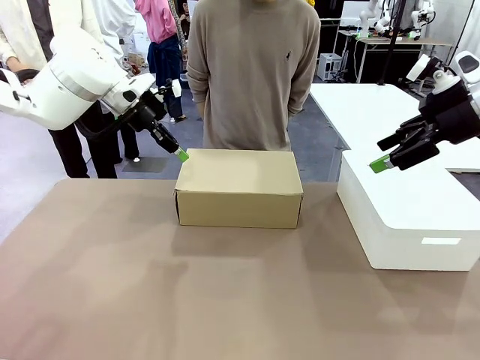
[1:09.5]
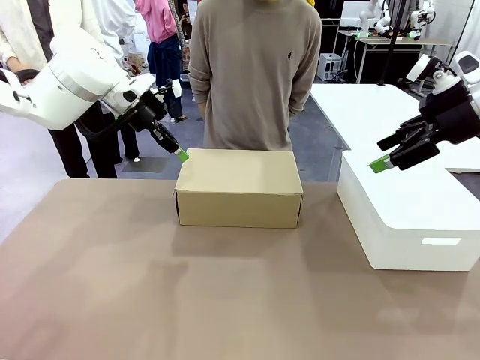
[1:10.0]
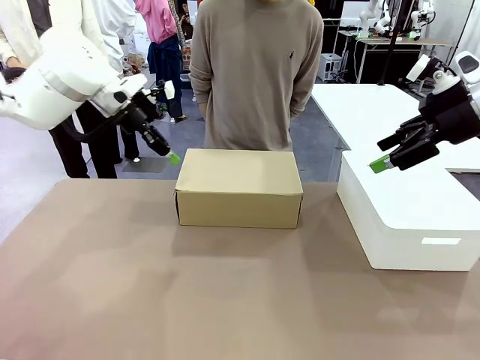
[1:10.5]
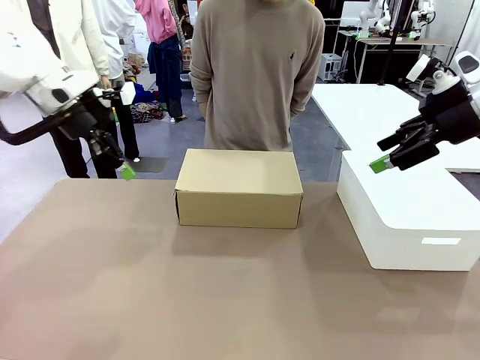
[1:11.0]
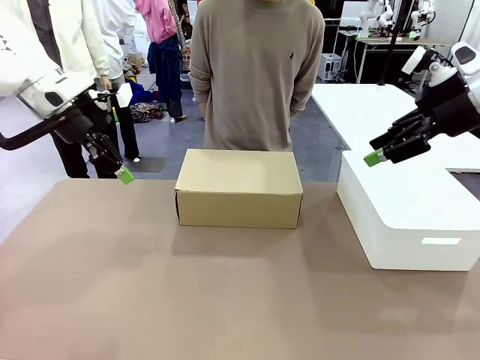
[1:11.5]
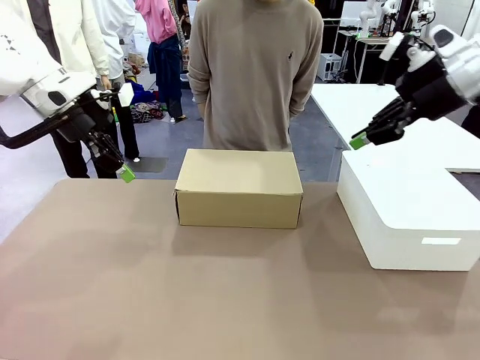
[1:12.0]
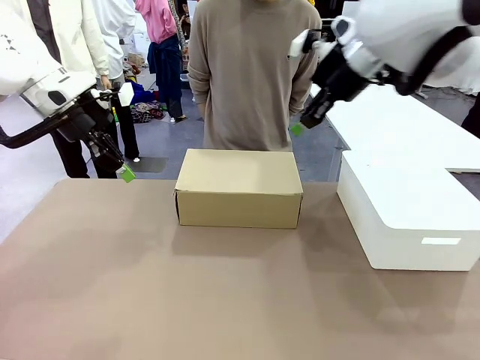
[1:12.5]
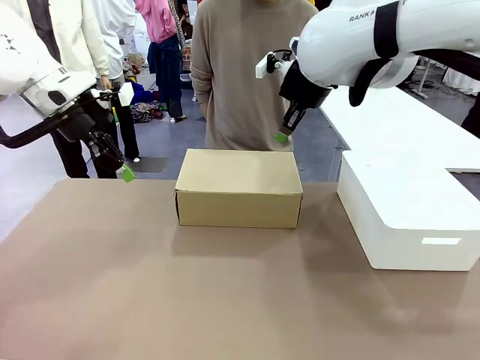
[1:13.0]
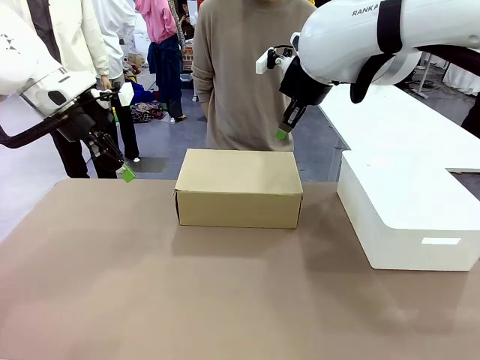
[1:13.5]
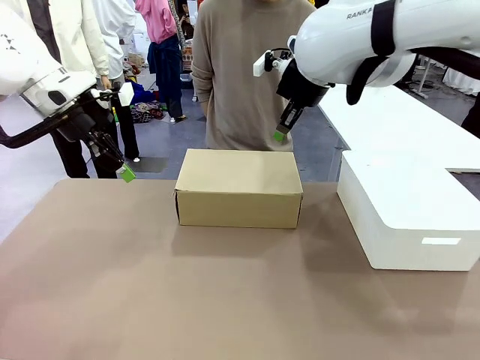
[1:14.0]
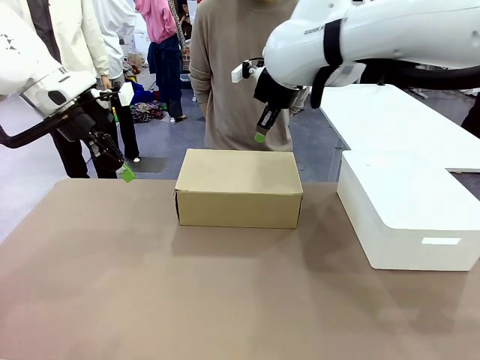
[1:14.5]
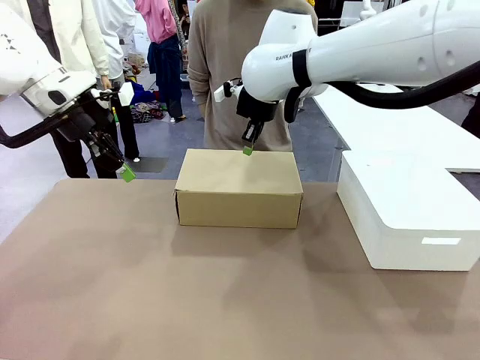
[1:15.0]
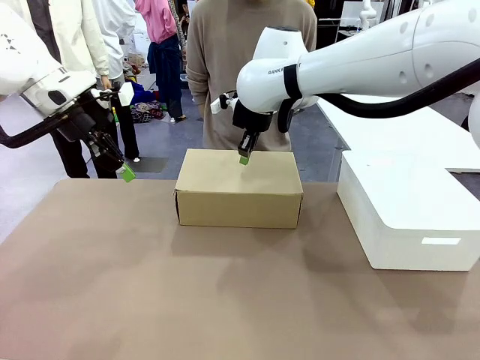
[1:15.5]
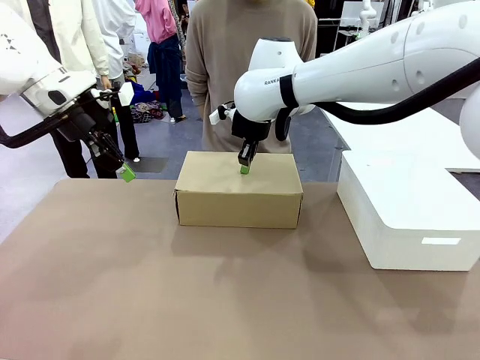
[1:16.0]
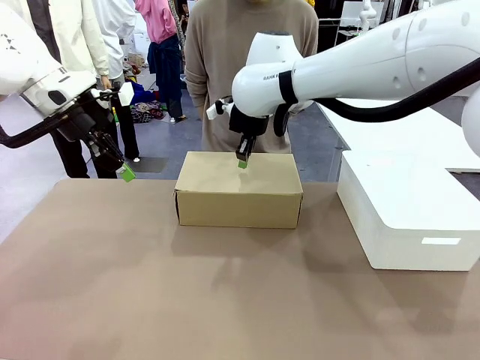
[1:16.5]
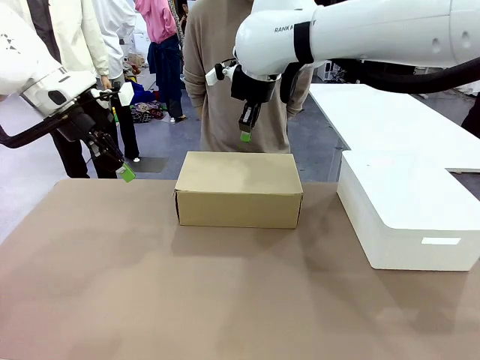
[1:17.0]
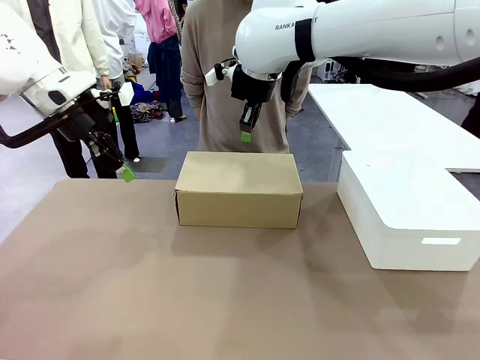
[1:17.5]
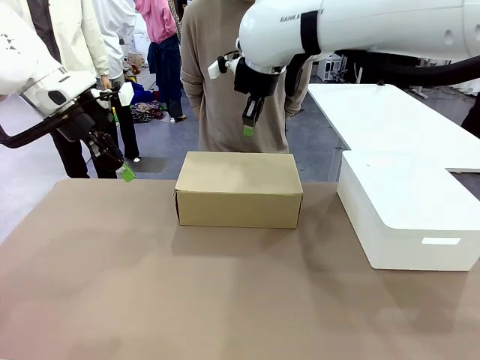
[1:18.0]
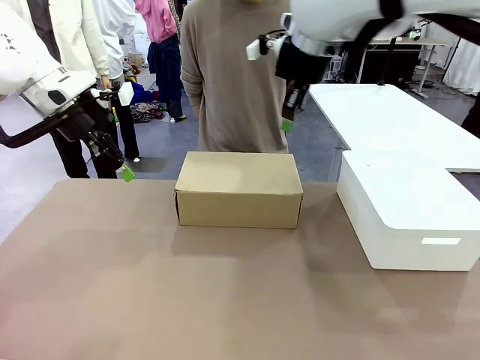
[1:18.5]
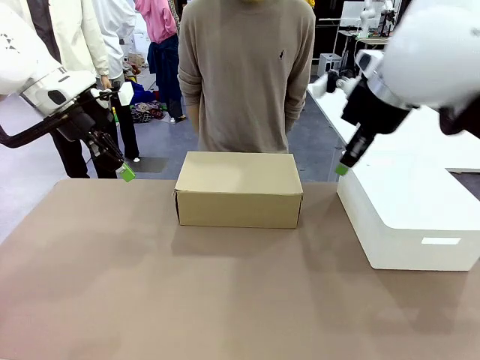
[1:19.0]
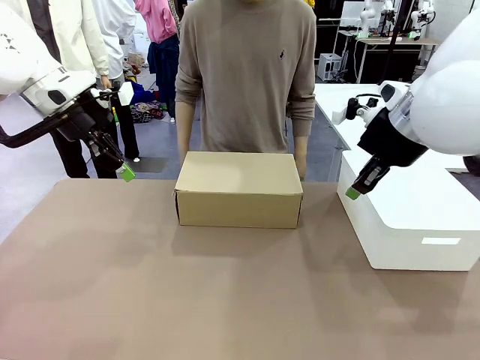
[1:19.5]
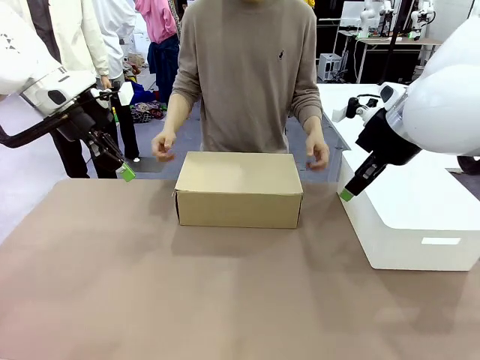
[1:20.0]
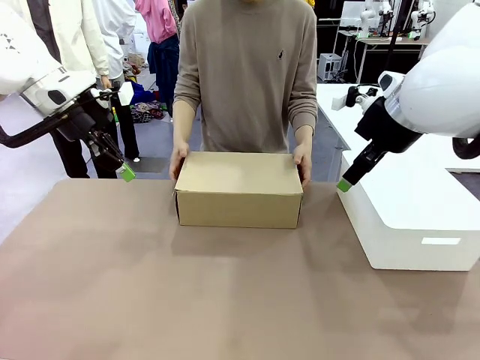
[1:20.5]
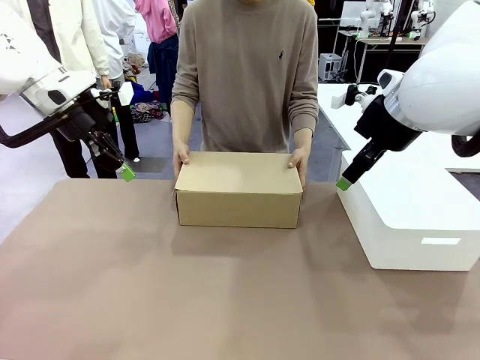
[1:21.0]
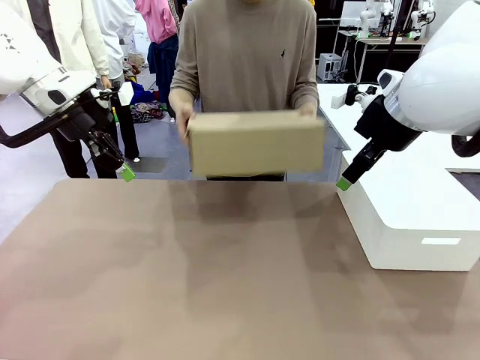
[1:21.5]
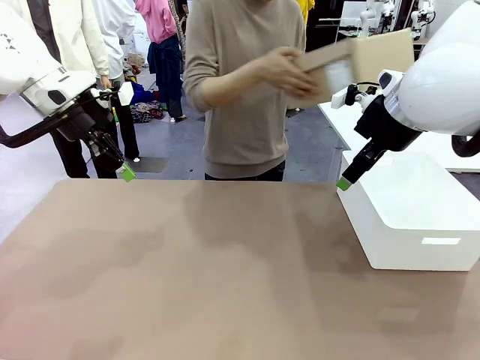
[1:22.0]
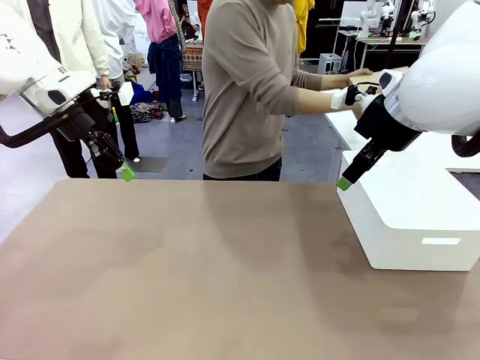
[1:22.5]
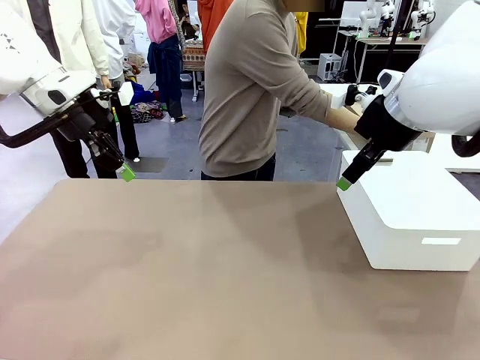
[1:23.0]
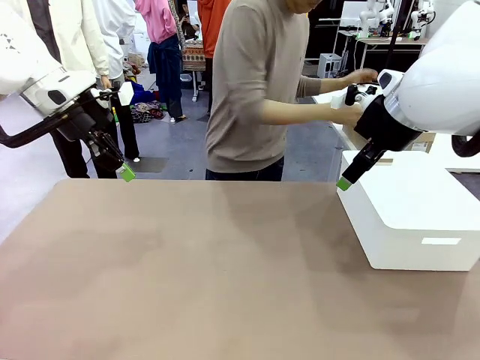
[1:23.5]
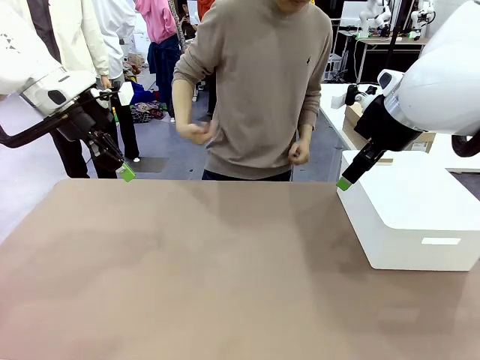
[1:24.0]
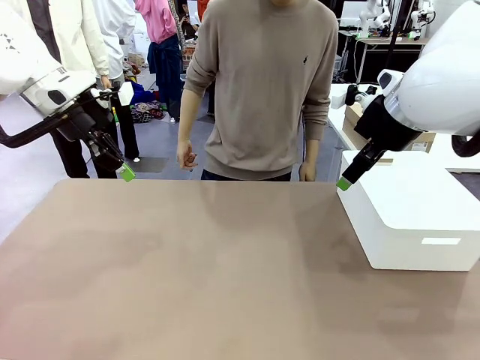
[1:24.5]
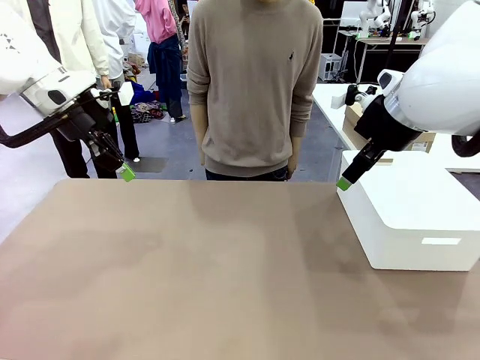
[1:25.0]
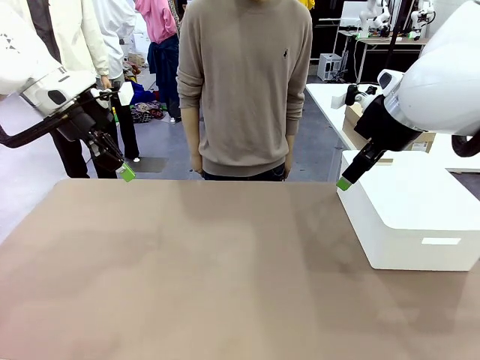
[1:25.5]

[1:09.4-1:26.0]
Task: Pack the shoes into the box.
Robot: Press down on the lid of the Shoes Box.
Person: Place the closed Shoes Box to the right side of the human table.

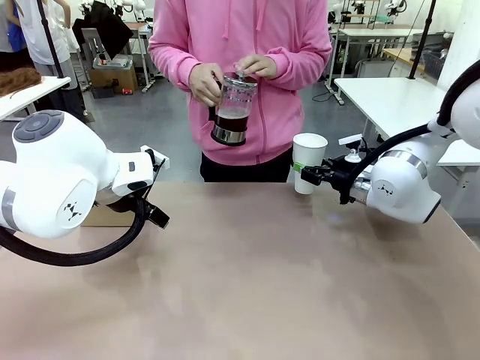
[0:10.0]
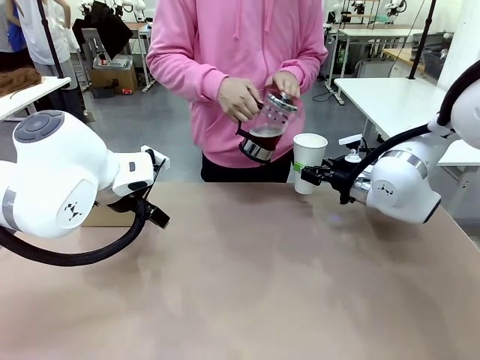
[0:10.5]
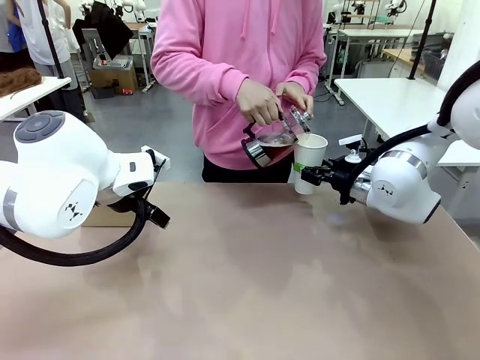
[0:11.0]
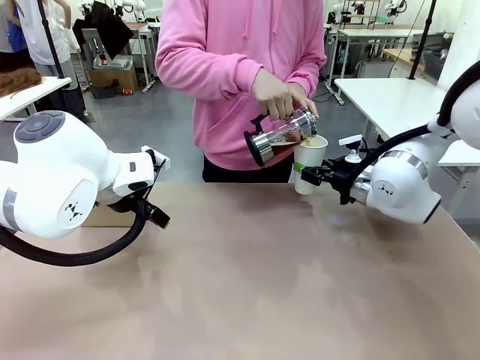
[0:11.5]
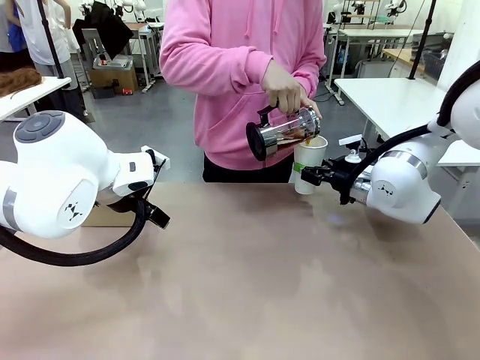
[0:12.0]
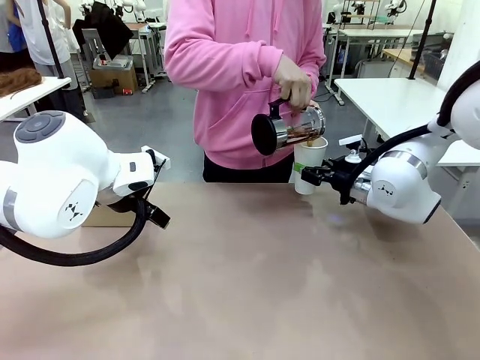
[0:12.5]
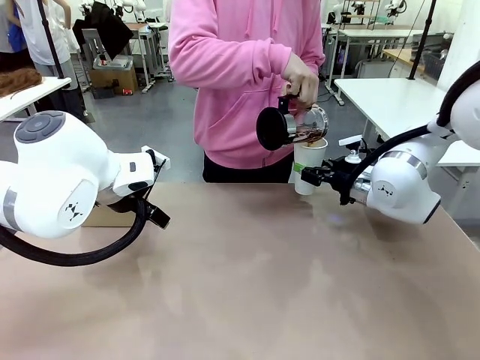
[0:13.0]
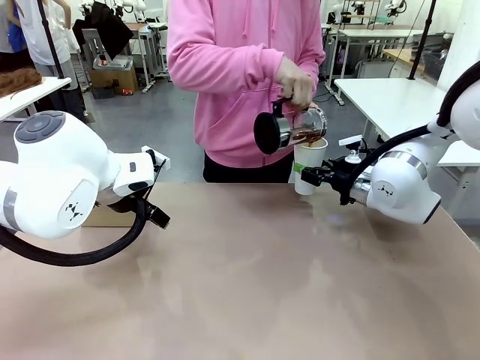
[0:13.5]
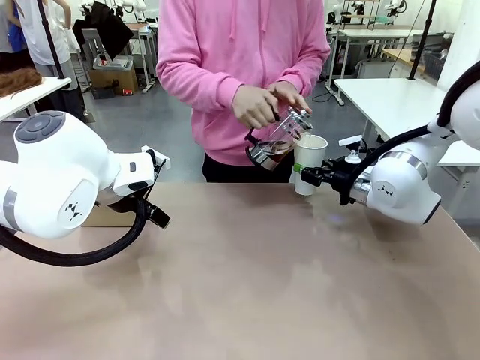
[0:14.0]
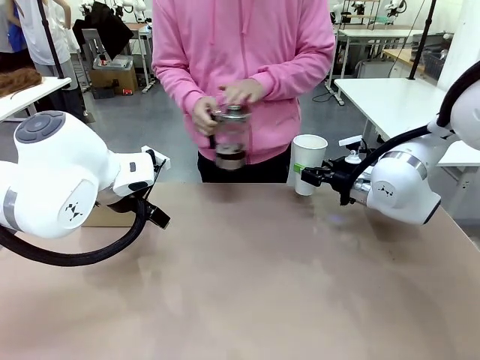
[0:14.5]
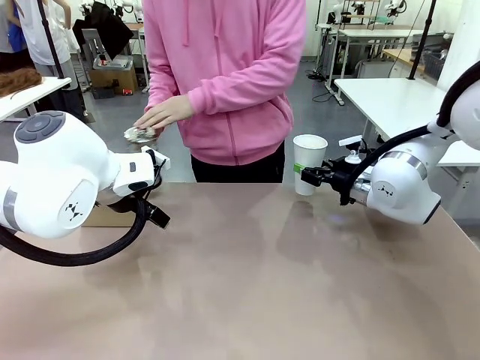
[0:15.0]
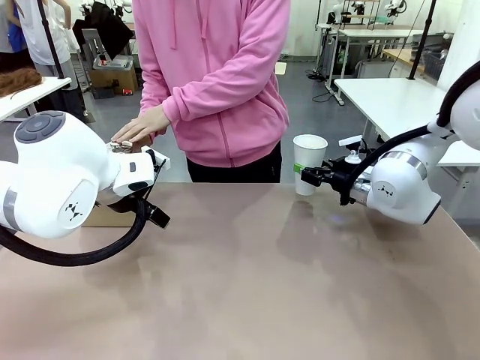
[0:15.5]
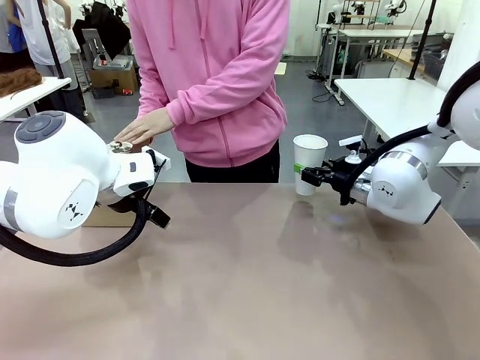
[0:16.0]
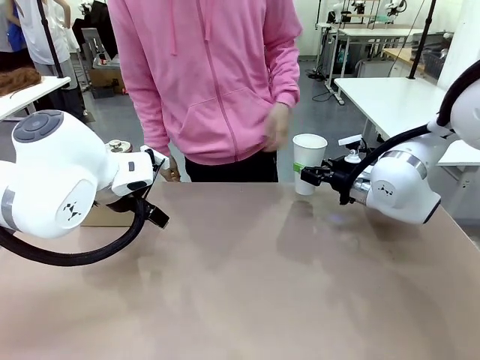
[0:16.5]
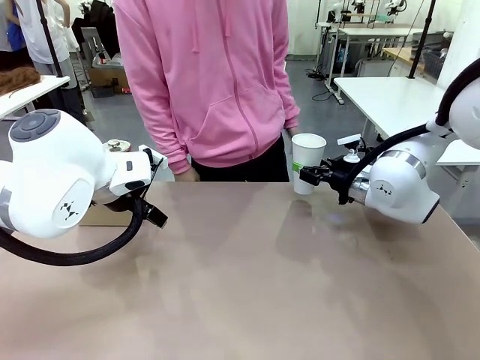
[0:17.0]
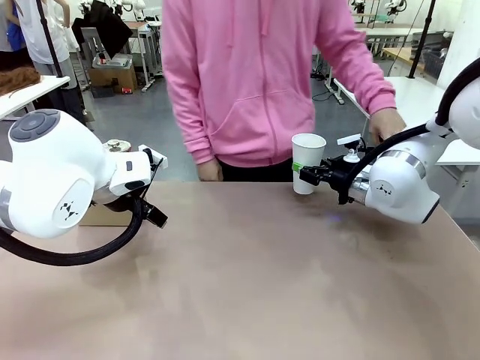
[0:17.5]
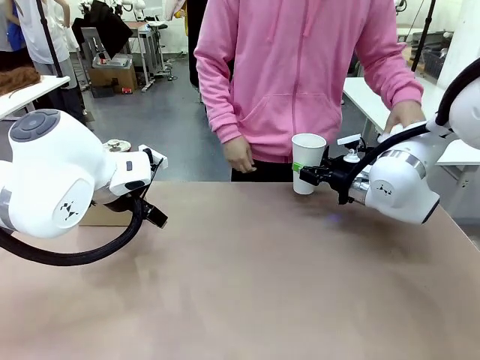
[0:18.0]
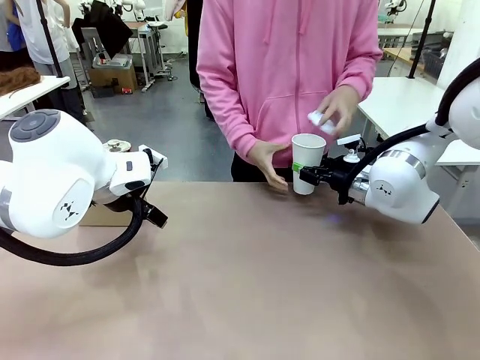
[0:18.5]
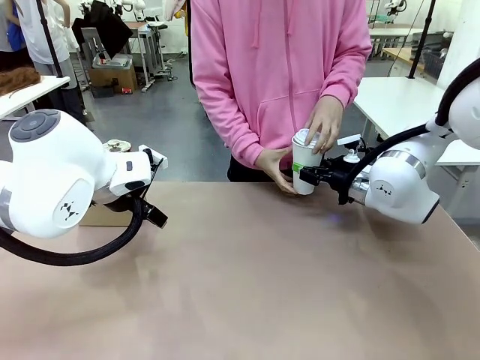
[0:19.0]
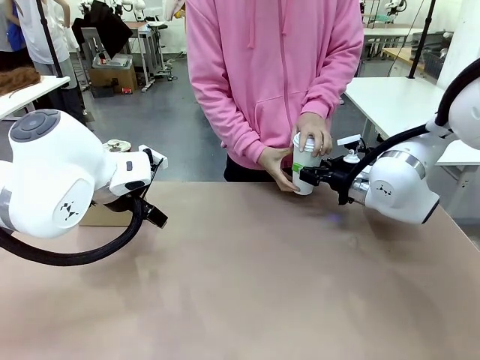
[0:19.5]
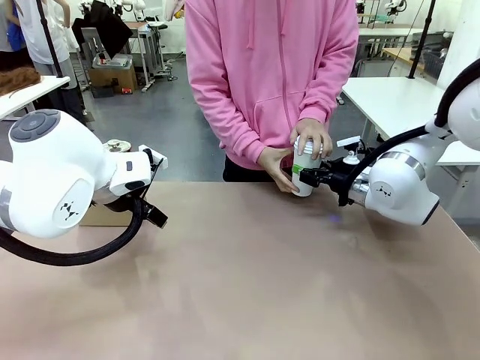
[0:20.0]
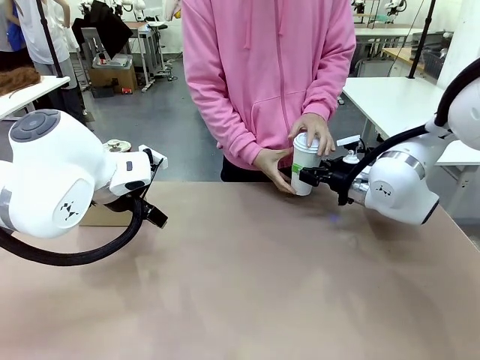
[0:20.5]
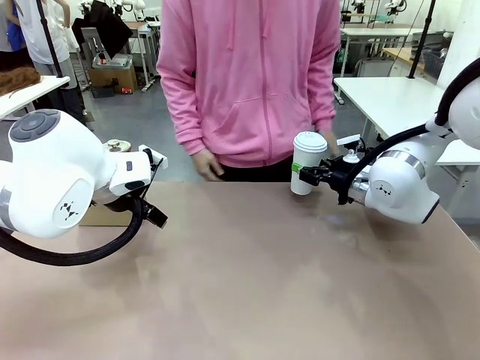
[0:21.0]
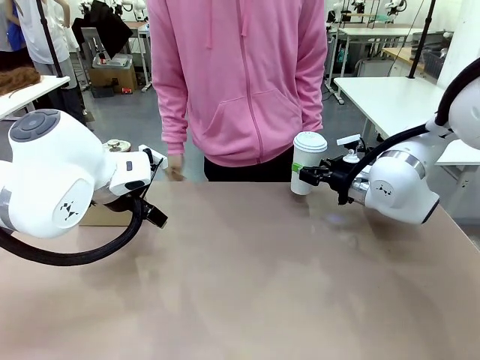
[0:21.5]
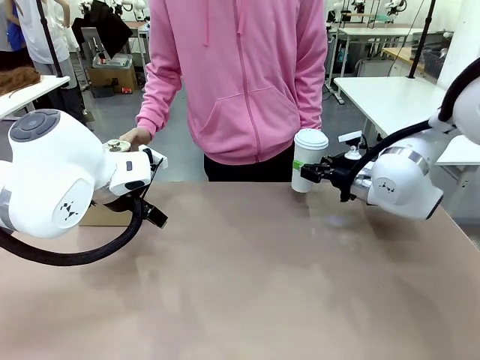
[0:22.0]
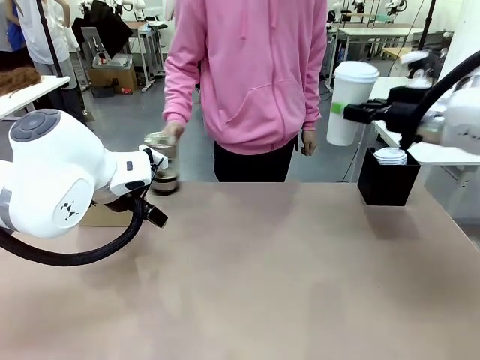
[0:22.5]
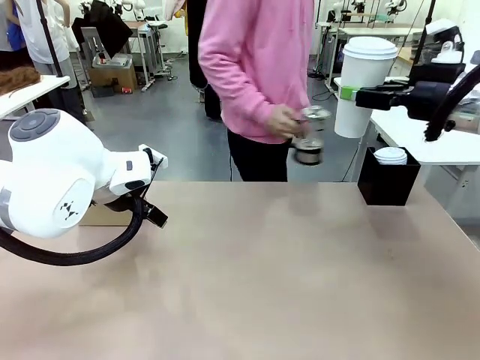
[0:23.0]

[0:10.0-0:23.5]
Task: Pour a drink into a cup and package it in a carrier.
Robot: When a person places the Paper Cup Lid on the 600 ml Paper Cup , lift the 600 ml Paper Cup.
Person: Pour the drink from the Filter Brewing into the 600 ml Paper Cup. Place a Paper Cup Lid on the 600 ml Paper Cup.
